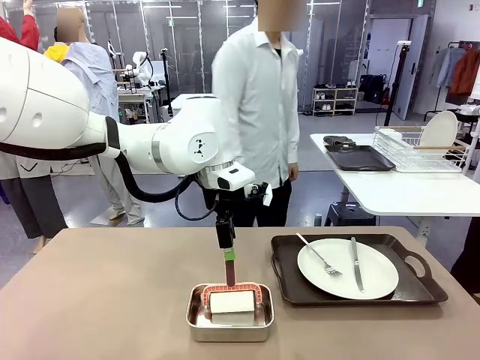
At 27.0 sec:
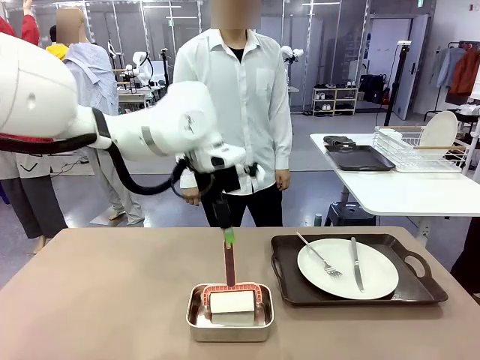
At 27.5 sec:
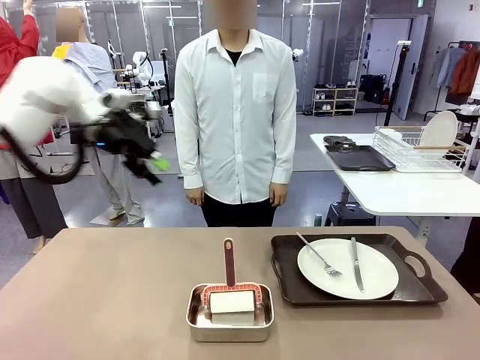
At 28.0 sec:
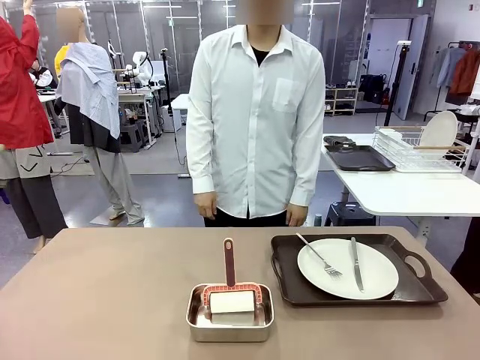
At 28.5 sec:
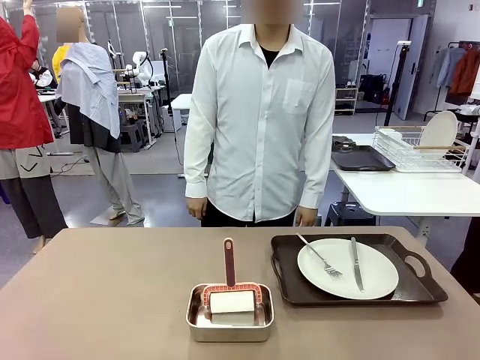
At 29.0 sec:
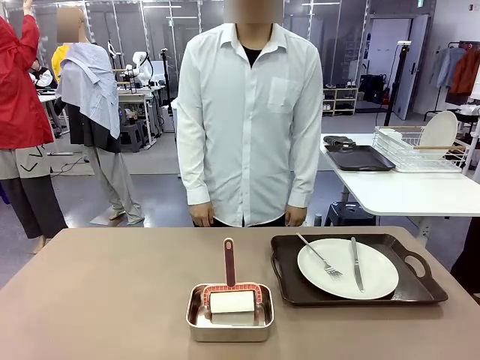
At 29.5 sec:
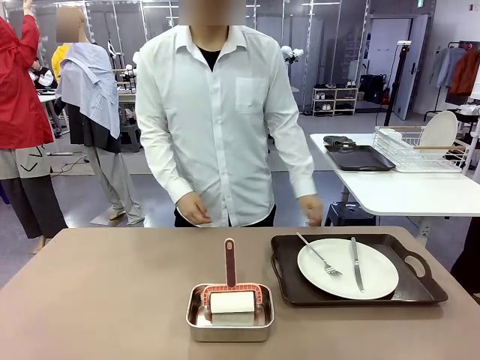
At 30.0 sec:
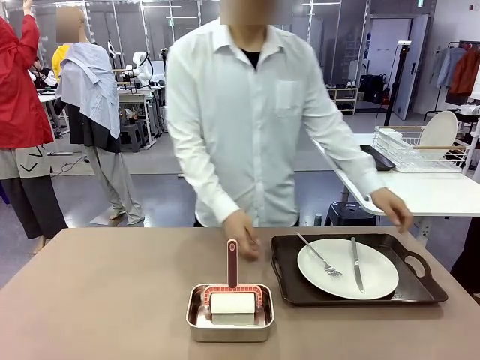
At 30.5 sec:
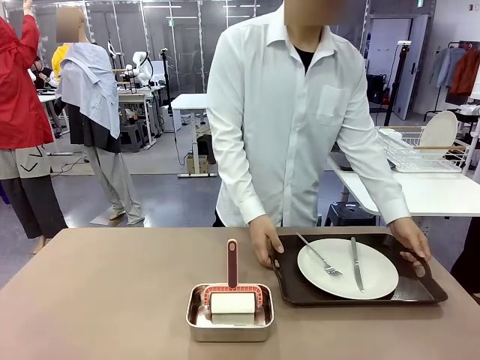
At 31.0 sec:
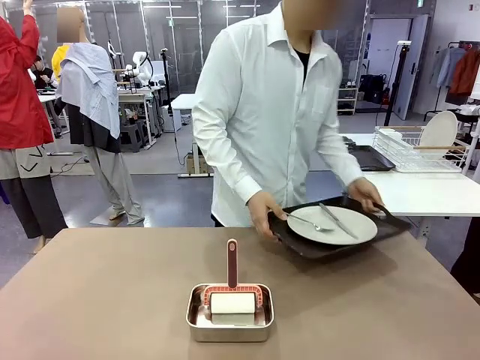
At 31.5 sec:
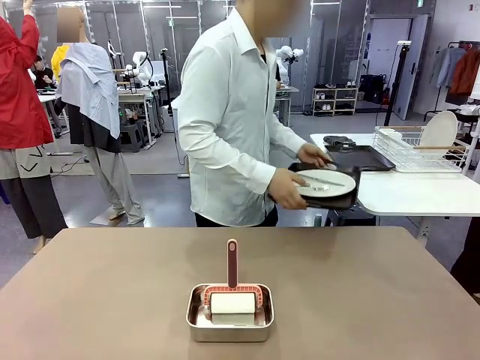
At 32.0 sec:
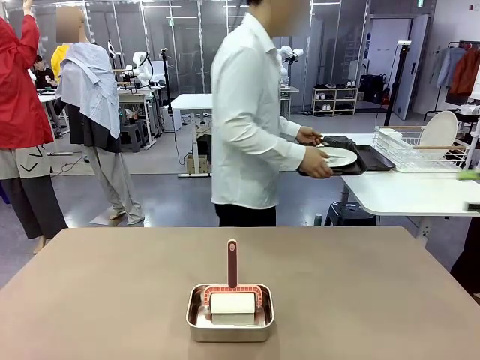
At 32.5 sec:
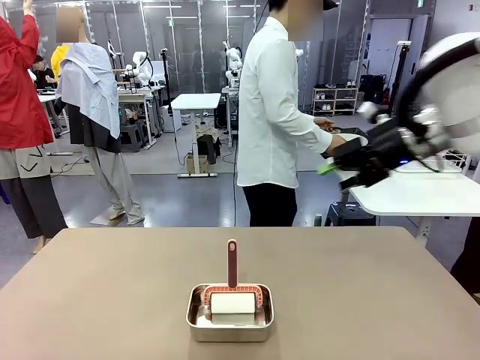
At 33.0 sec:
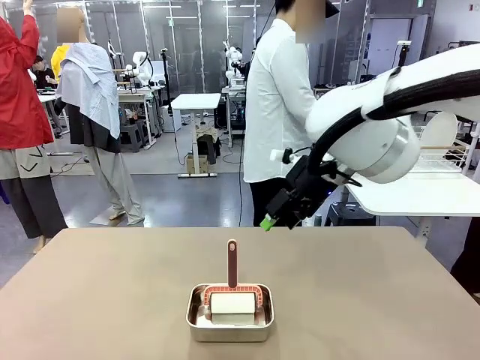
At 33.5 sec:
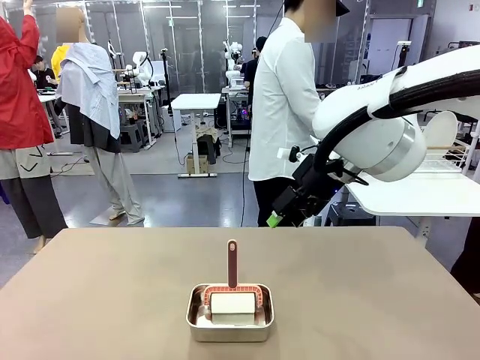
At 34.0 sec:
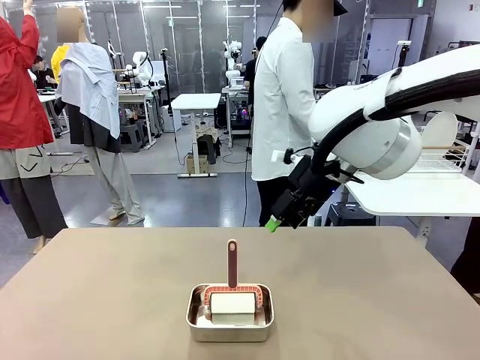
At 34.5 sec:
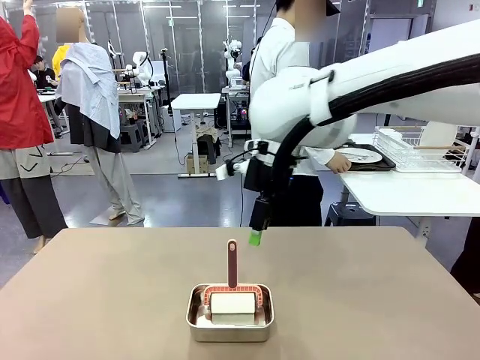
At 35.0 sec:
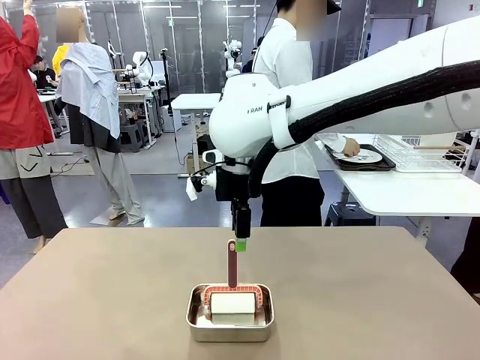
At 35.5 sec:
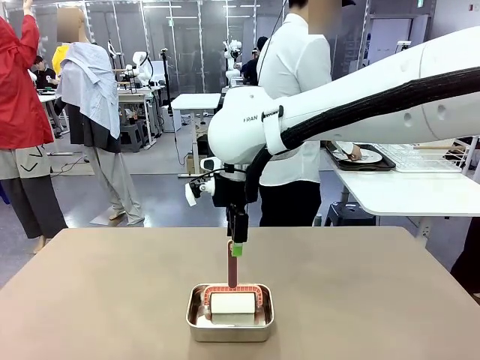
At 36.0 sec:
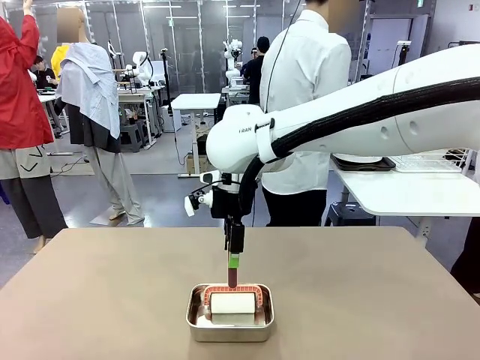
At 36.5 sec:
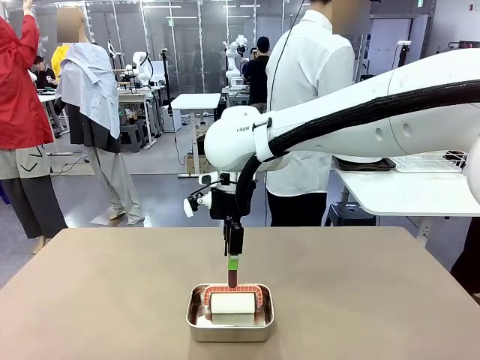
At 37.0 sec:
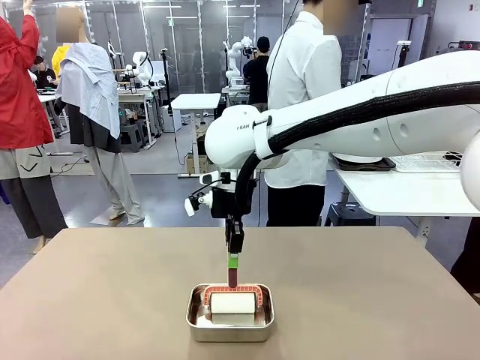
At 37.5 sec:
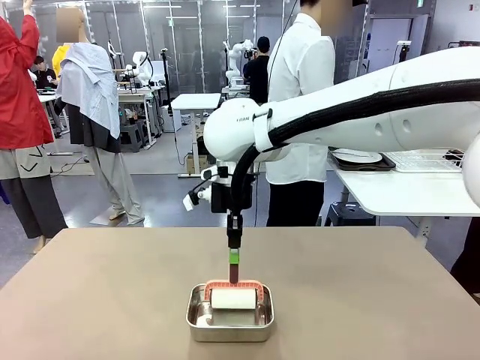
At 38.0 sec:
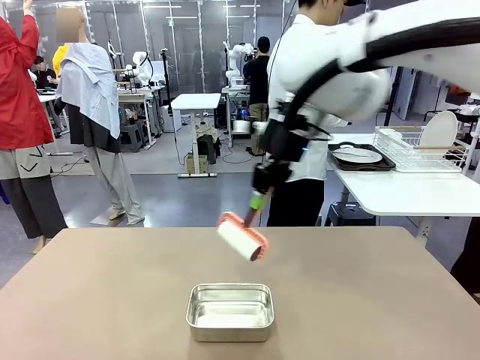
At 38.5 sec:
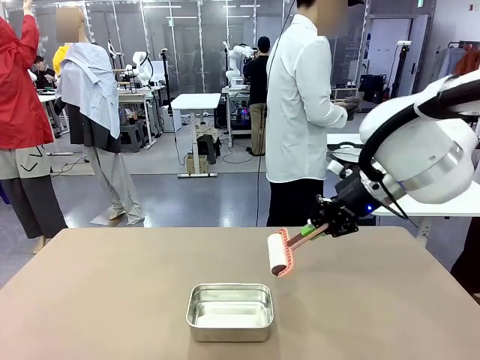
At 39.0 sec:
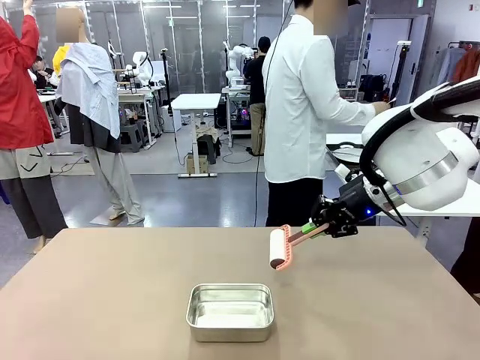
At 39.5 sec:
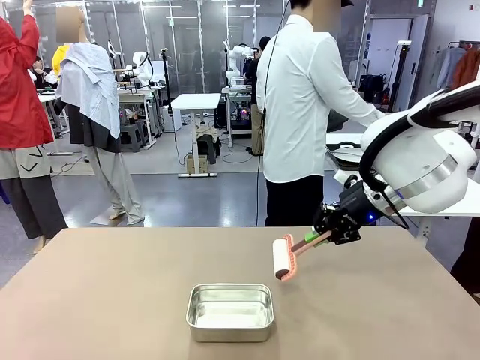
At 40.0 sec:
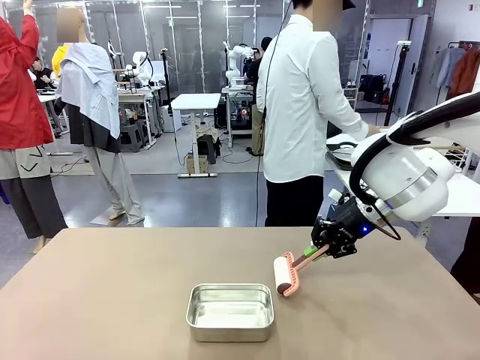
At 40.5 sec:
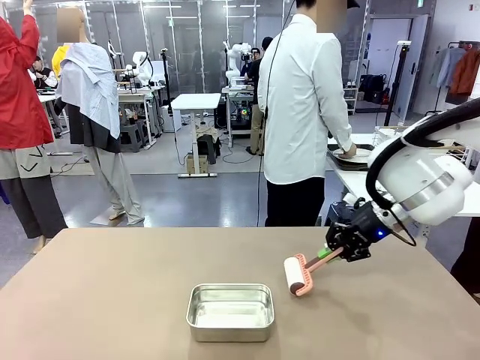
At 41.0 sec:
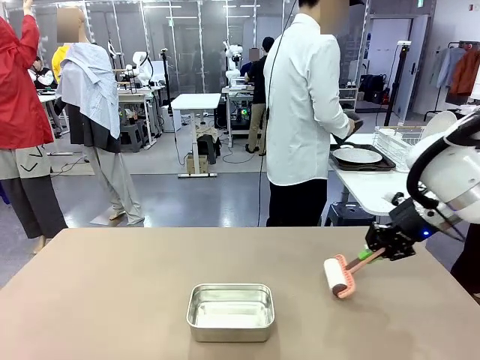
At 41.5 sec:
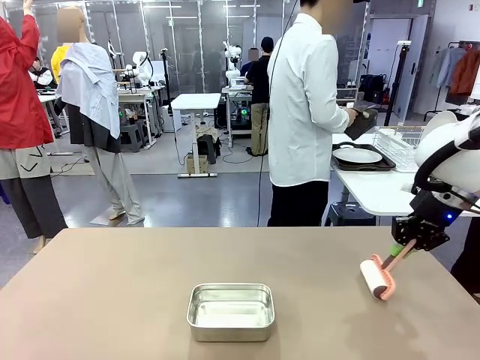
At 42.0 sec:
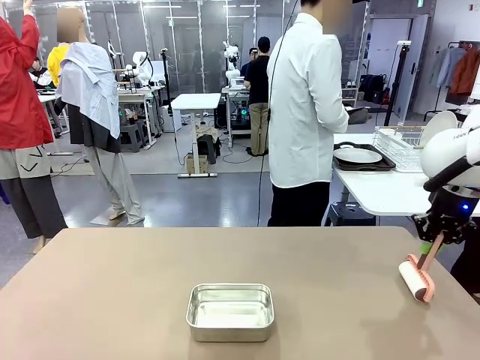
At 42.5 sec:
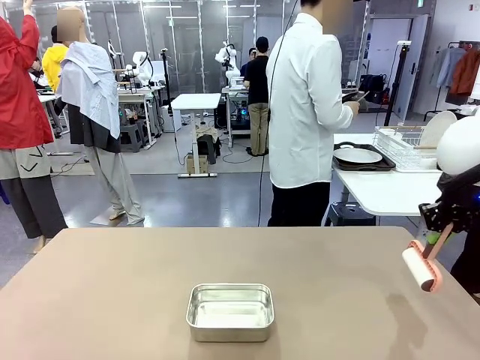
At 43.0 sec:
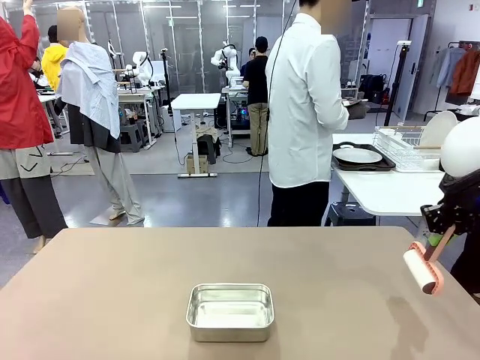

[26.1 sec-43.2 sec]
Robot: When the right (or left) Handle tray is removed, use the right hand (or left hand) to clean the right (or left) side of the table with the Lint Roller.
Person: Pick up the left (or right) Handle tray and place it on the Handle tray.

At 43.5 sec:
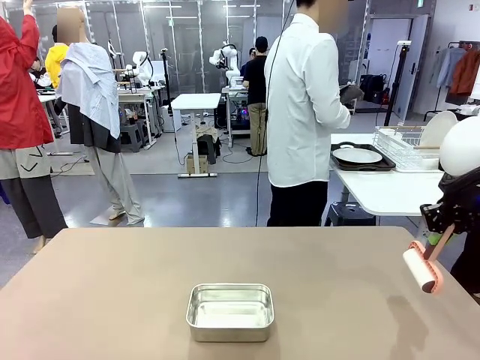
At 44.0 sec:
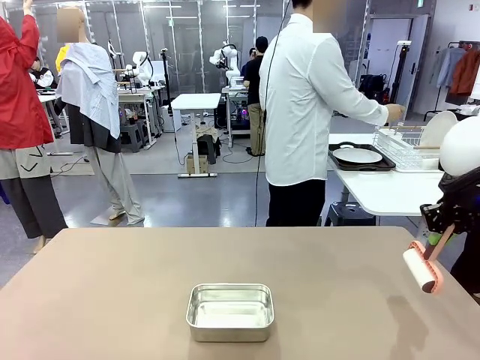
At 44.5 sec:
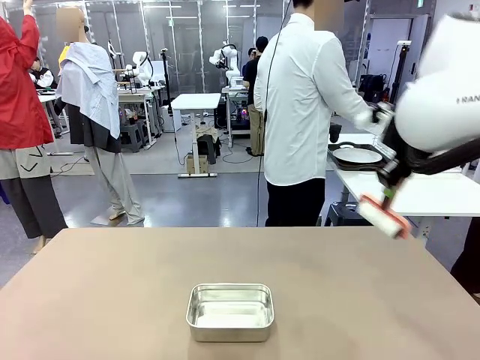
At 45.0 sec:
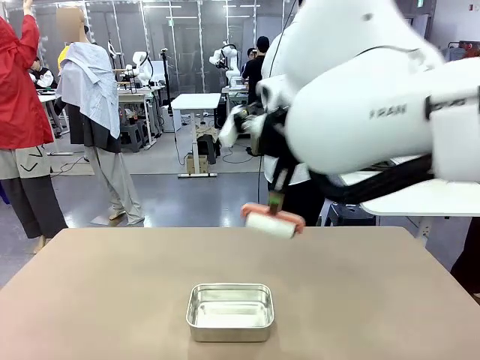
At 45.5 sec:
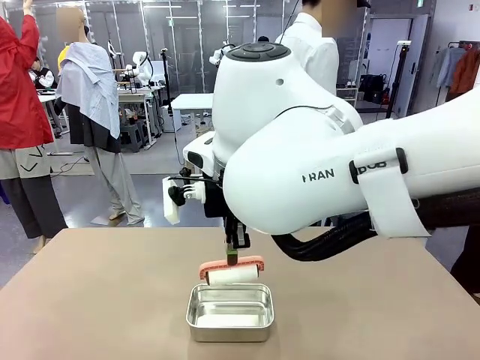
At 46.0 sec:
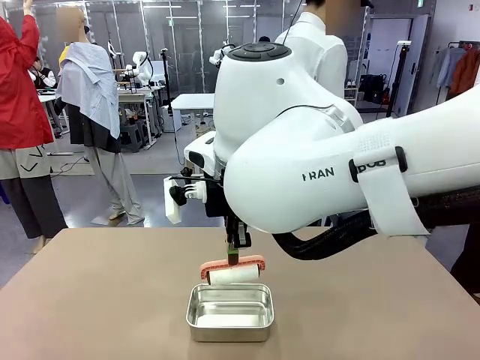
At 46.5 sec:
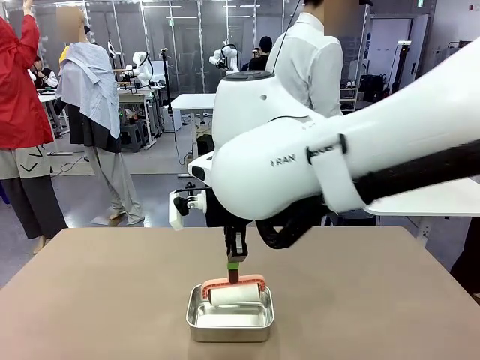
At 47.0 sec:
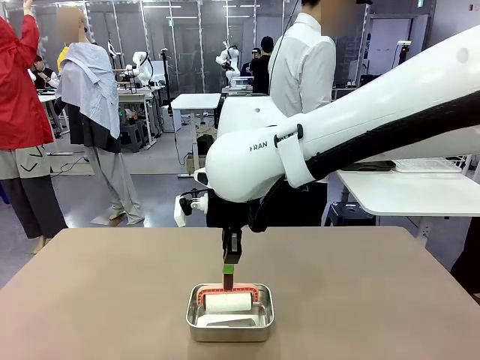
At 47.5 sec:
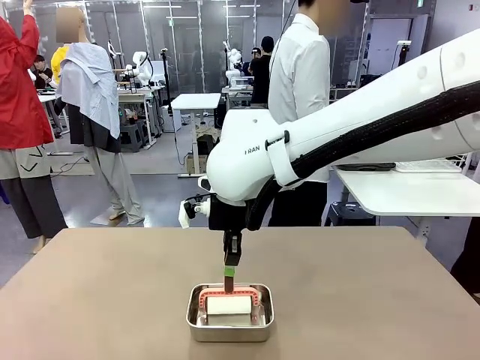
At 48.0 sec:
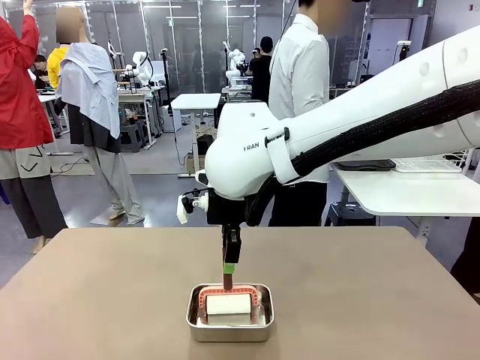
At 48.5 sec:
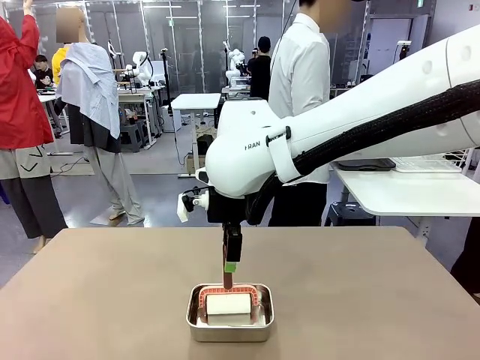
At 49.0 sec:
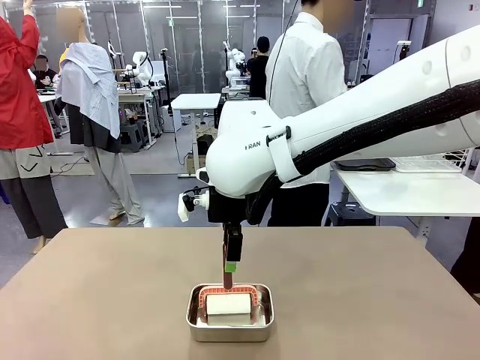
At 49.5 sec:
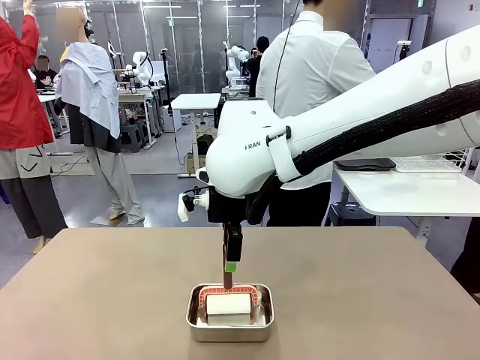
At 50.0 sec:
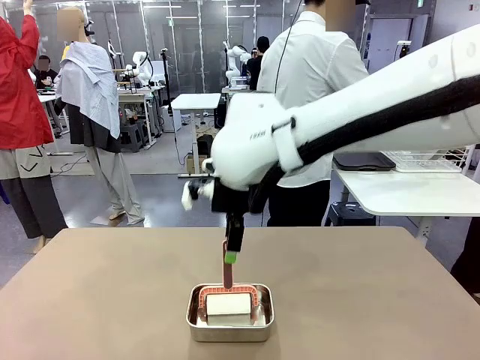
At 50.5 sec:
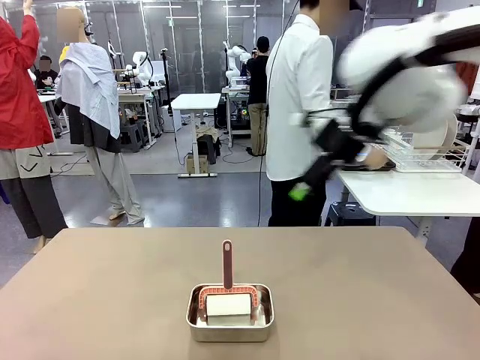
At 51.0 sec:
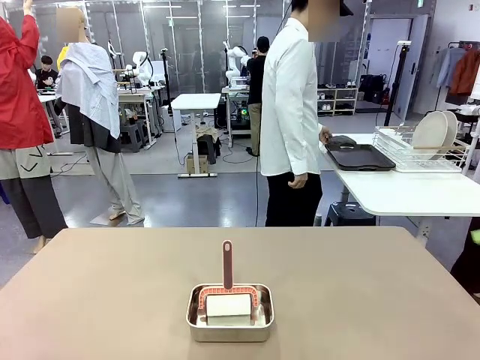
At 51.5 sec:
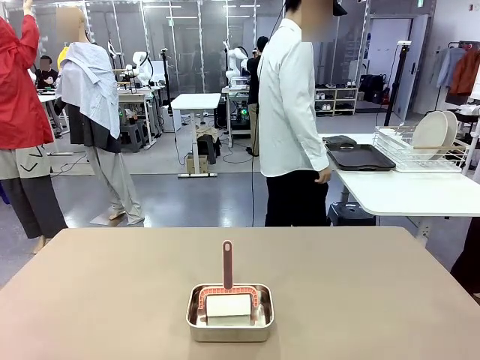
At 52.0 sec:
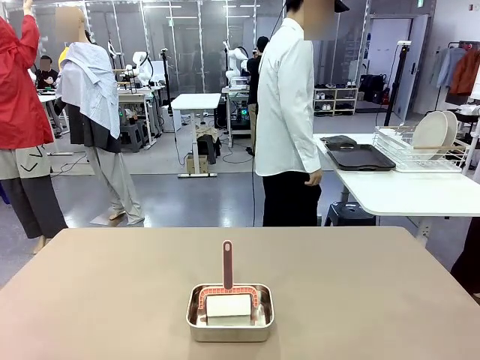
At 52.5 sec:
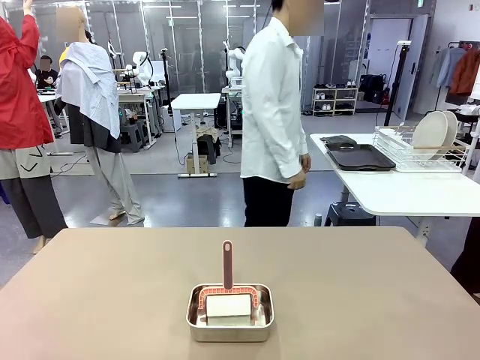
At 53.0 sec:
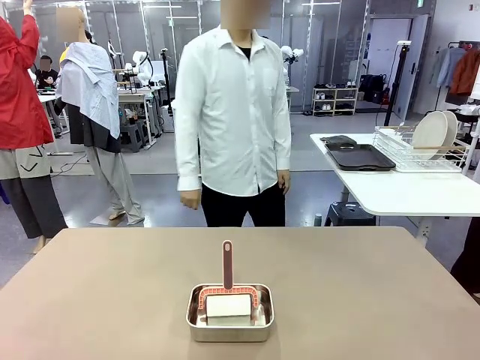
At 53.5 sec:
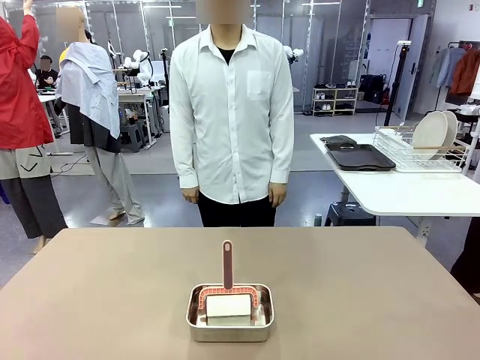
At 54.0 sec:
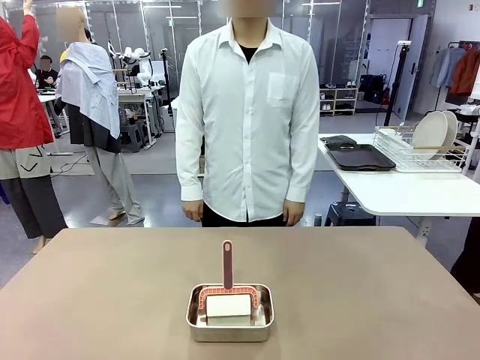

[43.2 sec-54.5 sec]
Robot: Place the Lint Roller back on top of the Airtight Container.
Person: Use the Towel with hook to wipe the Plastic Matte Plate , Fork , and Knife and place into the Dish drying rack.
